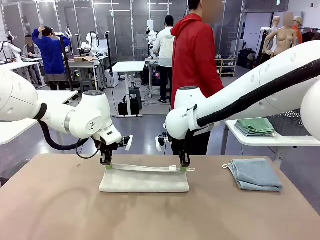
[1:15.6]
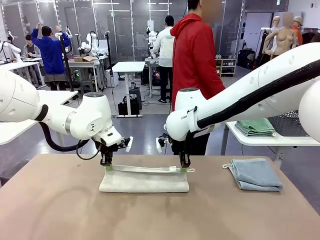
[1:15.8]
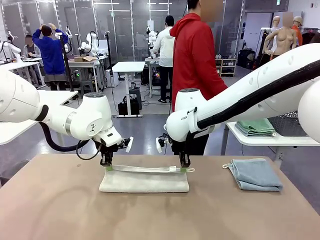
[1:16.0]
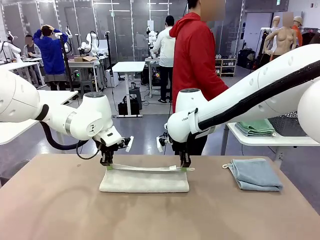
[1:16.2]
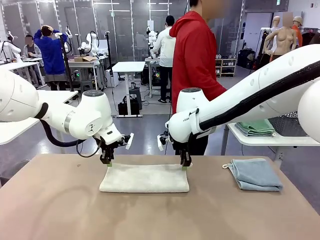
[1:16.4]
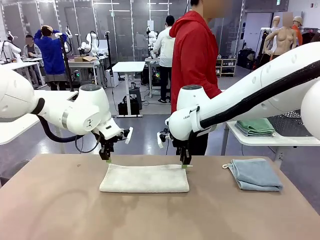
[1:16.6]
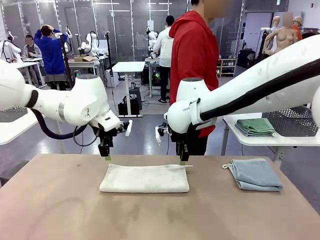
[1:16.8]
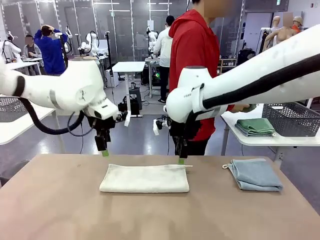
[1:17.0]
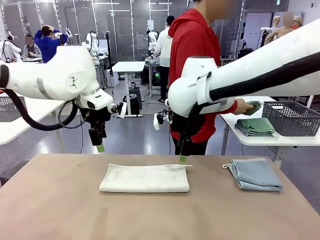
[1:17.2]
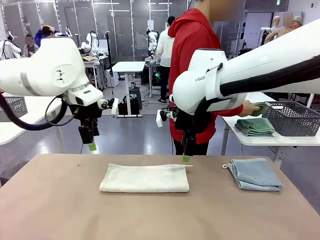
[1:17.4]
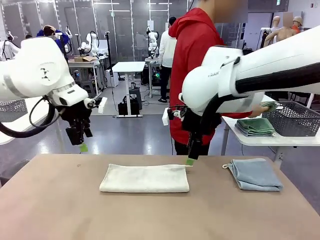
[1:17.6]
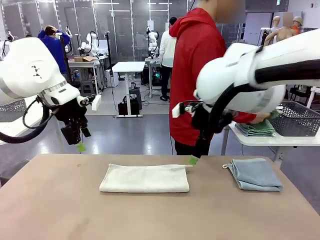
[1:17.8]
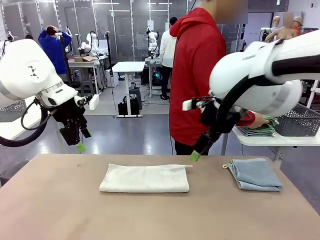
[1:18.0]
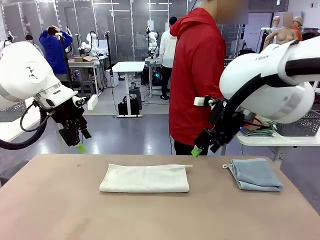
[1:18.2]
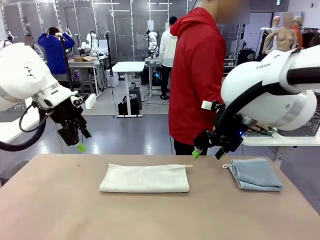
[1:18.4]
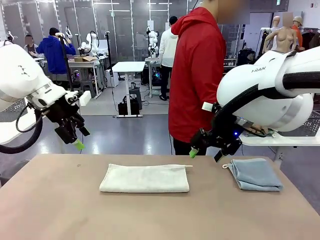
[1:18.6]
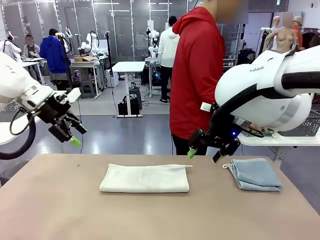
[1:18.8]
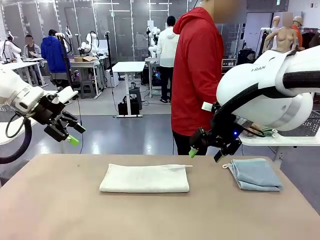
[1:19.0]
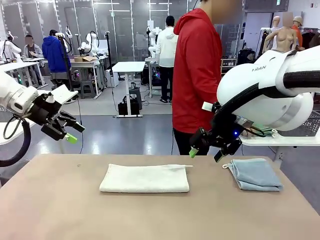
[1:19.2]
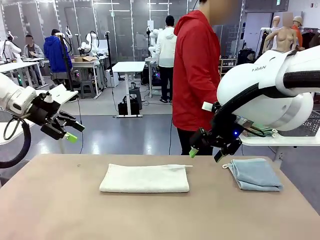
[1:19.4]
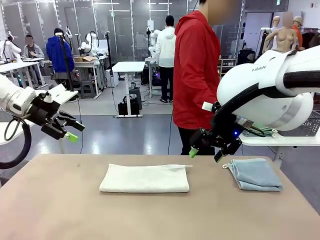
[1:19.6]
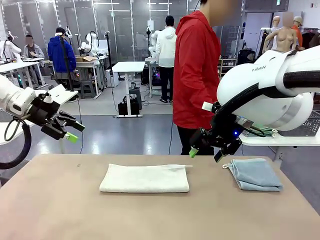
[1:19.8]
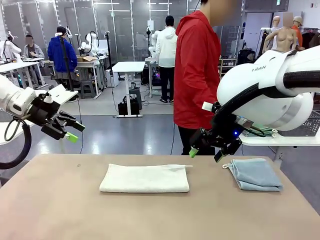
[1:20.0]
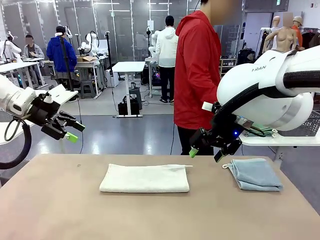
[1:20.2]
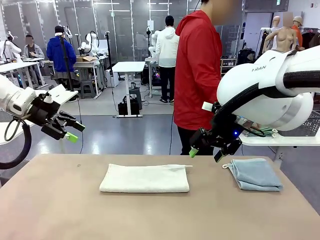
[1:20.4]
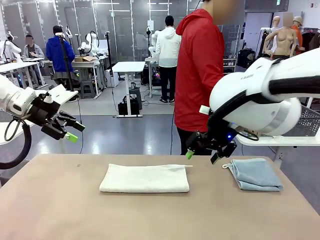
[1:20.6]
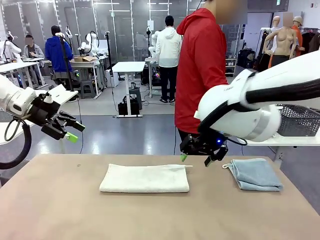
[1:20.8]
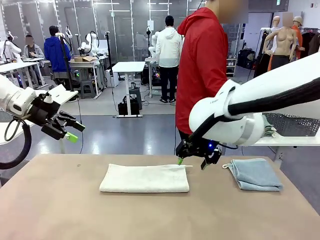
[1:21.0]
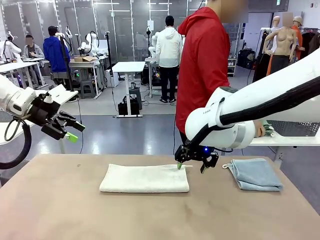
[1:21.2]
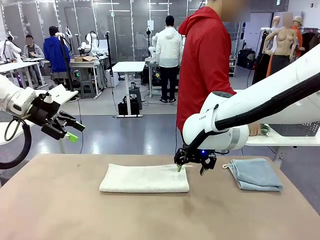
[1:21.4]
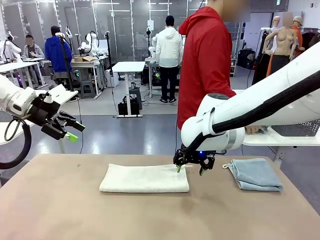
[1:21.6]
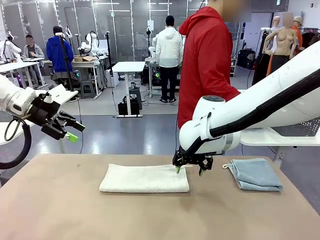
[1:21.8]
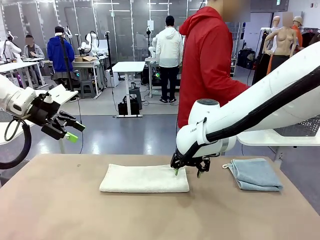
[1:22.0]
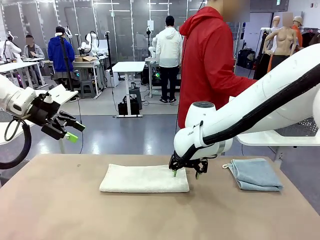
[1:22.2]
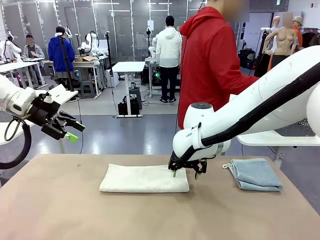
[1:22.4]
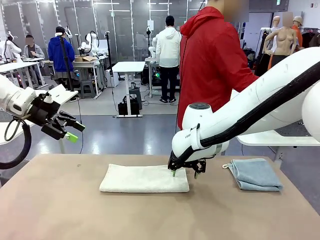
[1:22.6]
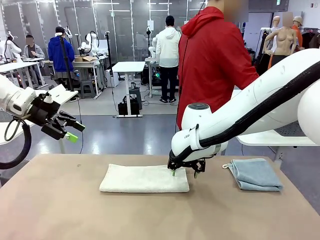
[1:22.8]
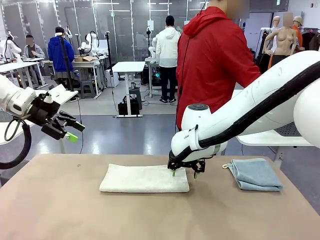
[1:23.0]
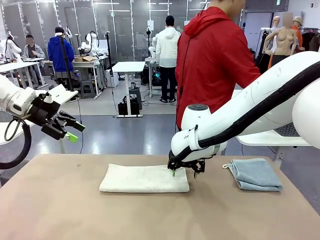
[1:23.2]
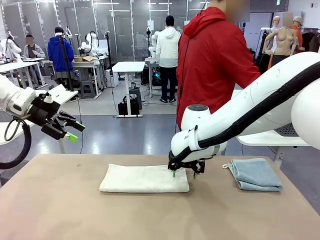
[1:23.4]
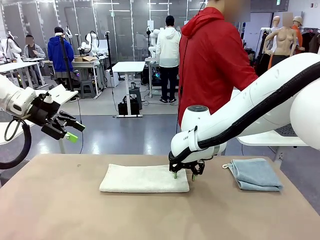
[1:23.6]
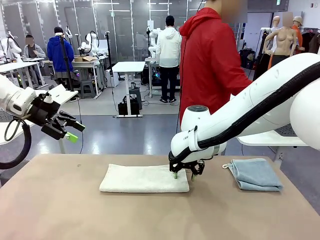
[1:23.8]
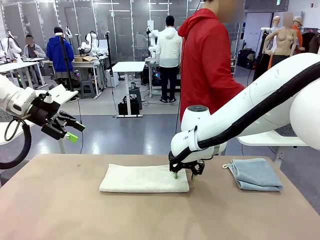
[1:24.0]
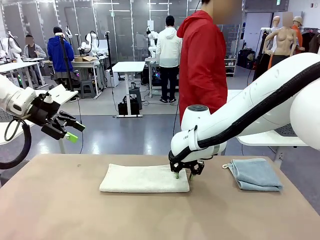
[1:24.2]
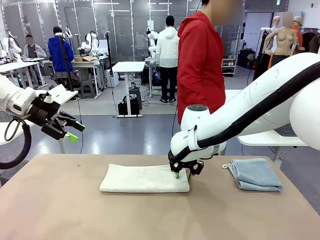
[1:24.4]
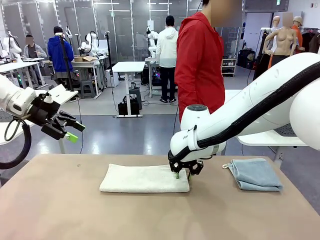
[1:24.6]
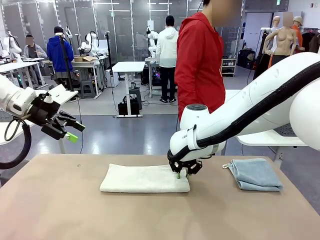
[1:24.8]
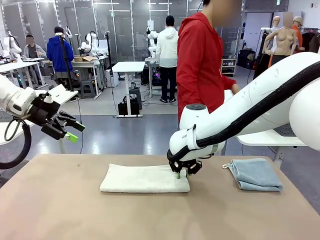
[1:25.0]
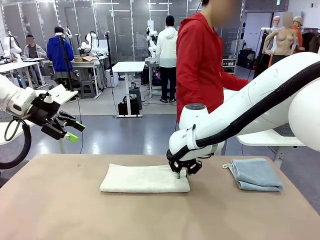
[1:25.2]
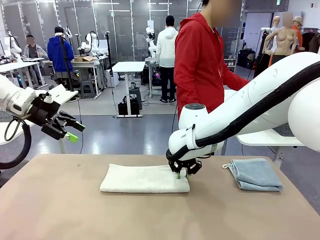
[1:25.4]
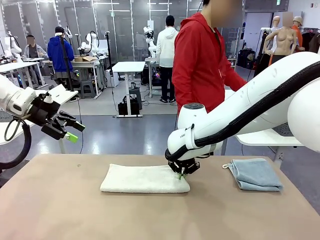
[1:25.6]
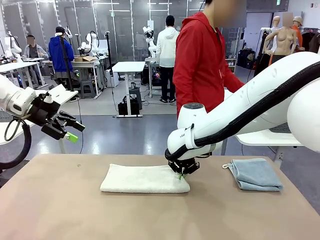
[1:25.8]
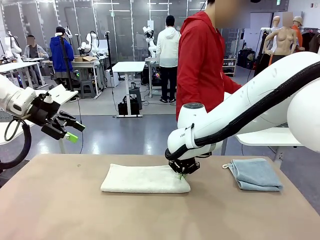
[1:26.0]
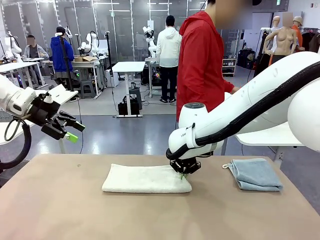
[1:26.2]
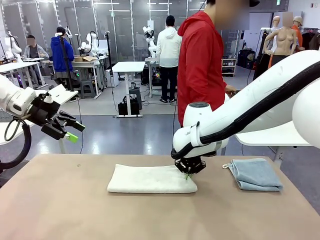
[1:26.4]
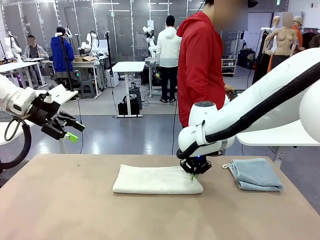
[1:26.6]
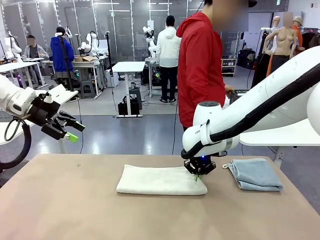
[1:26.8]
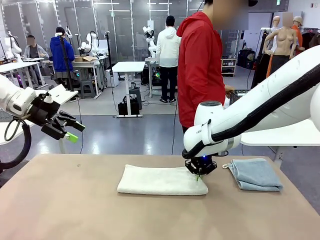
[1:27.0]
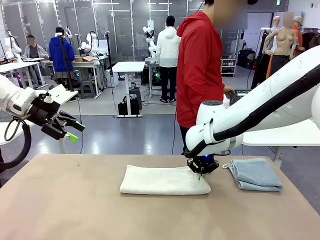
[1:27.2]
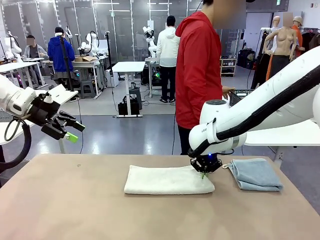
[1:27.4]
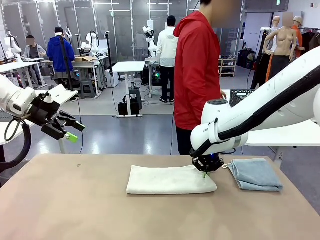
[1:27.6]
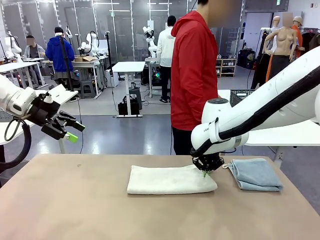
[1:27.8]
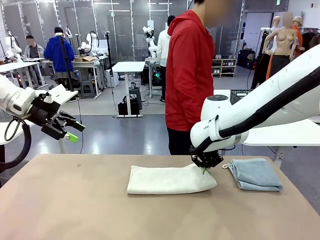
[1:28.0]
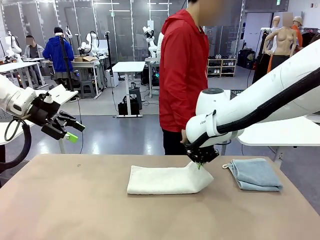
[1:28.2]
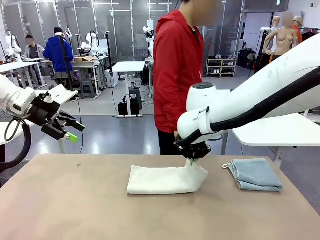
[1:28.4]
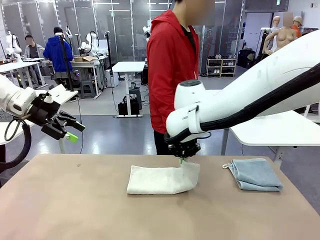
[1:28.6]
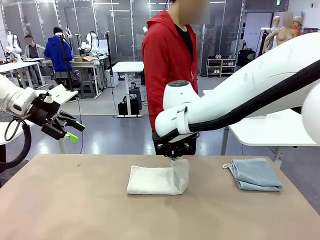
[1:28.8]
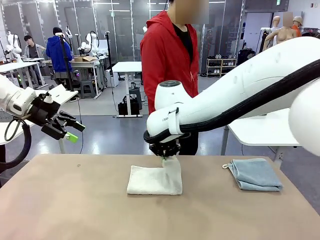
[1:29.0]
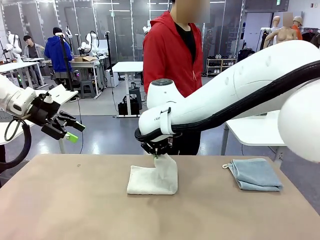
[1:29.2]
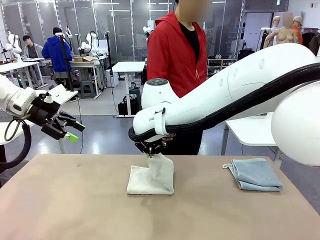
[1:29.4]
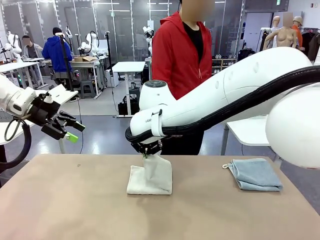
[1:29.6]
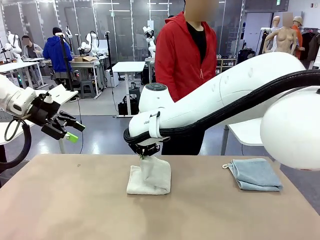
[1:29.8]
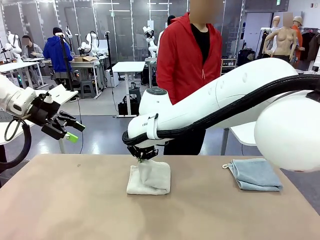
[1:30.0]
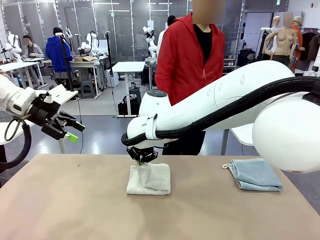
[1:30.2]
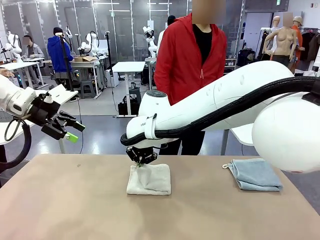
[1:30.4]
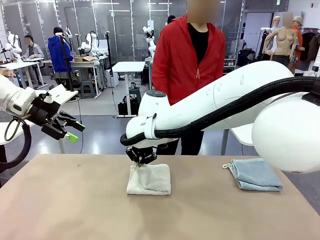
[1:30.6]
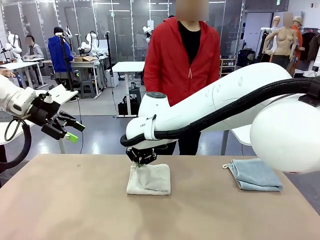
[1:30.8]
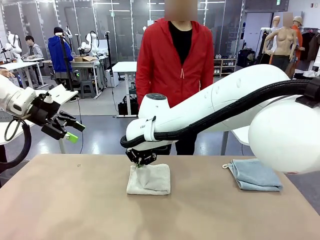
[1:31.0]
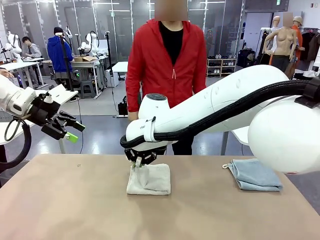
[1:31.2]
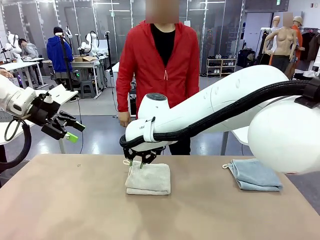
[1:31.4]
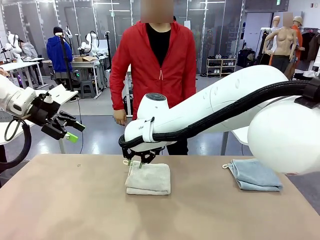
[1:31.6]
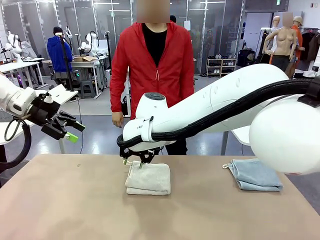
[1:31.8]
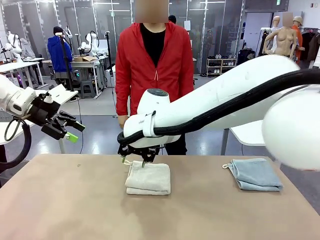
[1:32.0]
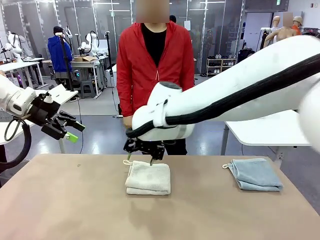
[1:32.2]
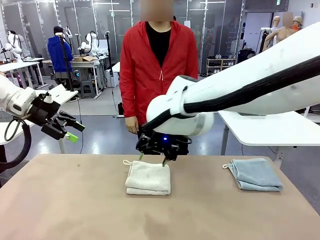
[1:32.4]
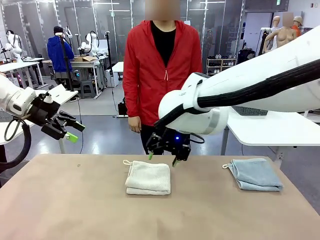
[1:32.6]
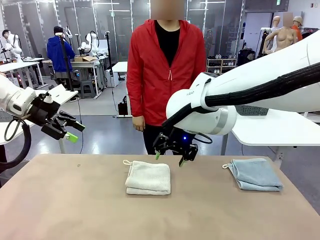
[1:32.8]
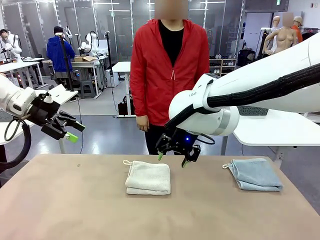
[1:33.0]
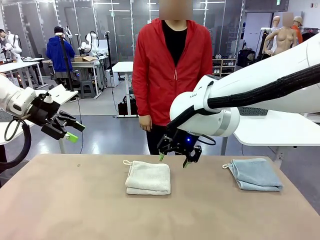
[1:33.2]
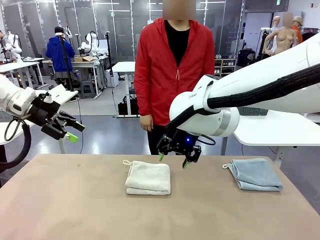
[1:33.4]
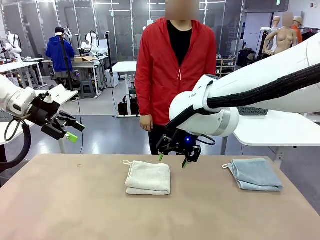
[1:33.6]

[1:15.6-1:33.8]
Task: Fold the towels and place them in the basket.
Robot: When a person lays out a Towel with hook on the table, fold it in half twice.
Person: Pick up the stack of towels from the right side of the human table, place it into the basket, and put the basket at the center of the table.
